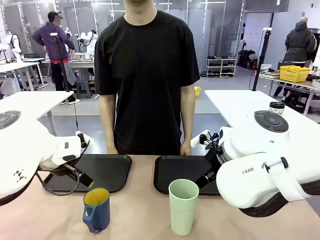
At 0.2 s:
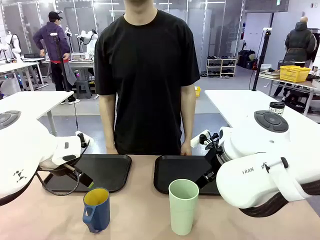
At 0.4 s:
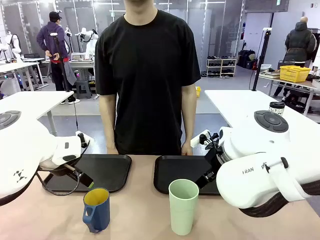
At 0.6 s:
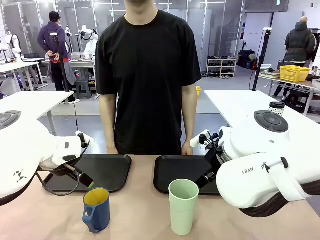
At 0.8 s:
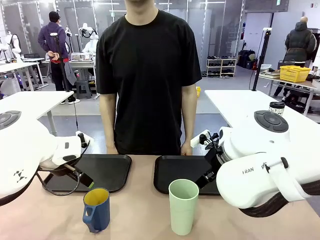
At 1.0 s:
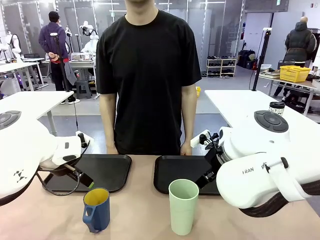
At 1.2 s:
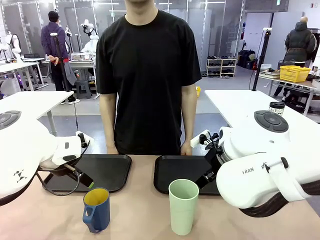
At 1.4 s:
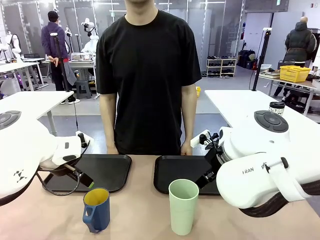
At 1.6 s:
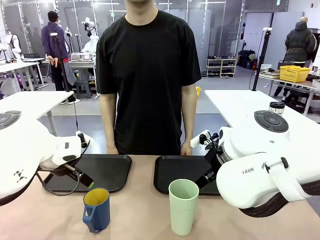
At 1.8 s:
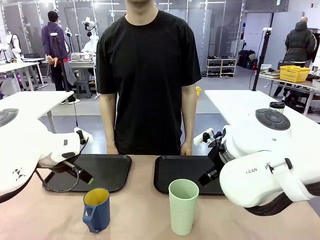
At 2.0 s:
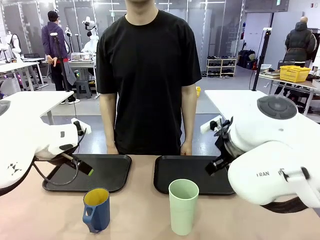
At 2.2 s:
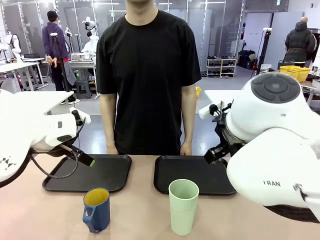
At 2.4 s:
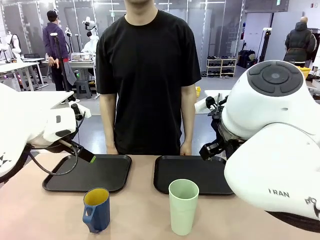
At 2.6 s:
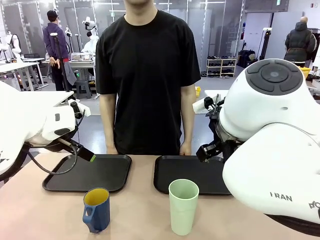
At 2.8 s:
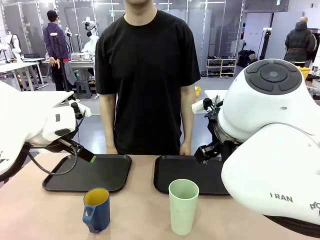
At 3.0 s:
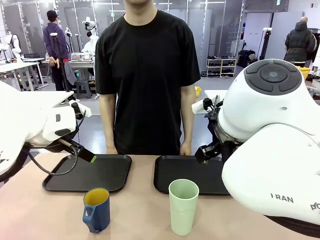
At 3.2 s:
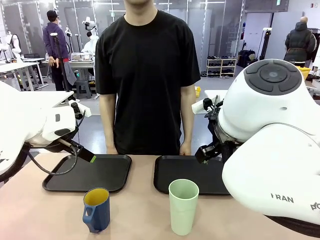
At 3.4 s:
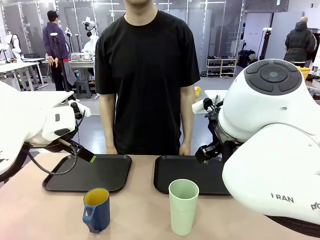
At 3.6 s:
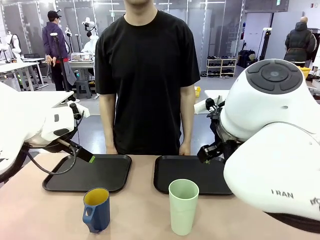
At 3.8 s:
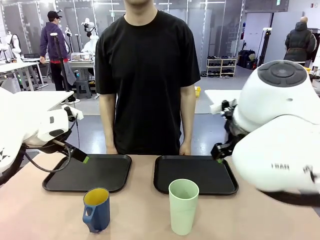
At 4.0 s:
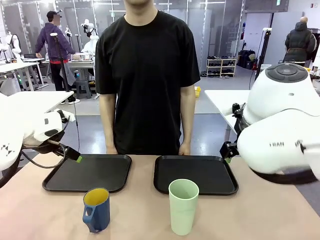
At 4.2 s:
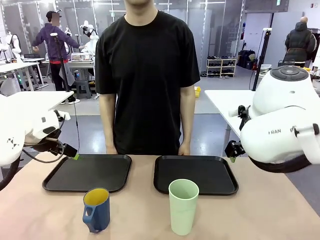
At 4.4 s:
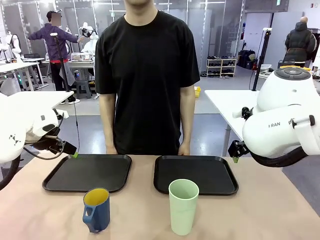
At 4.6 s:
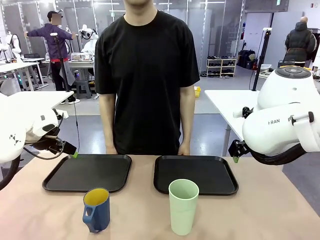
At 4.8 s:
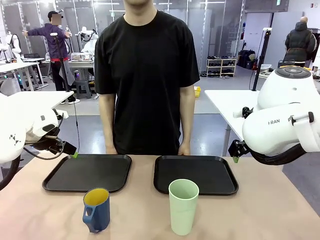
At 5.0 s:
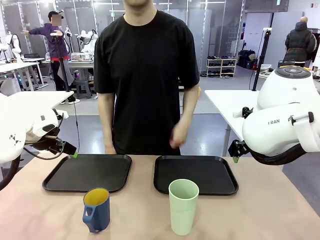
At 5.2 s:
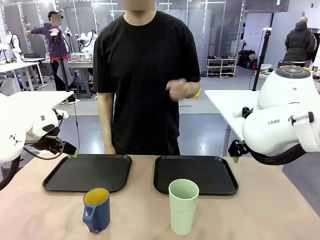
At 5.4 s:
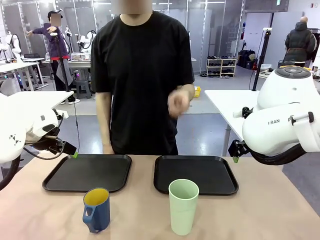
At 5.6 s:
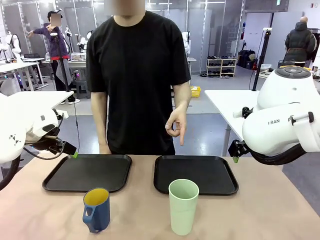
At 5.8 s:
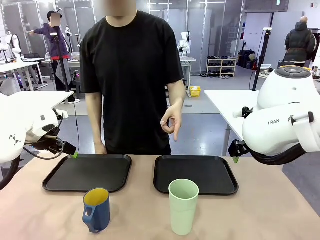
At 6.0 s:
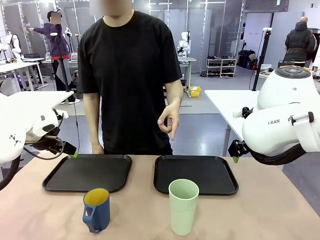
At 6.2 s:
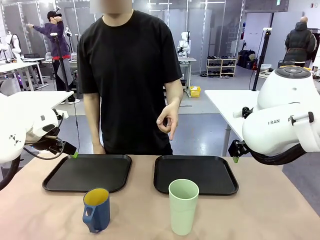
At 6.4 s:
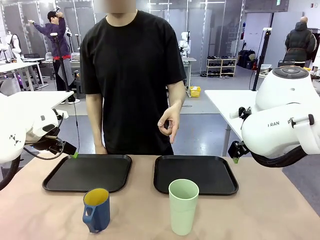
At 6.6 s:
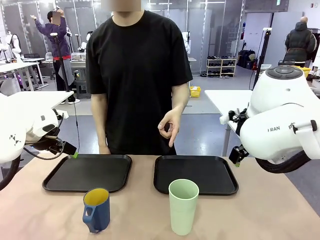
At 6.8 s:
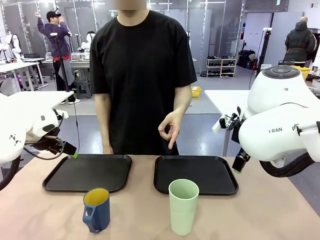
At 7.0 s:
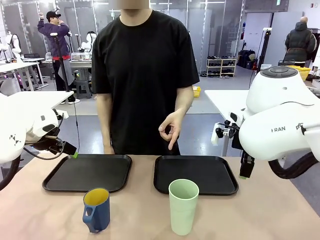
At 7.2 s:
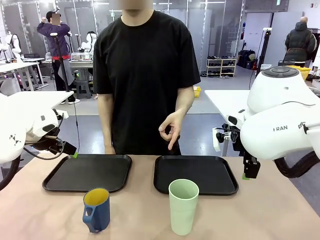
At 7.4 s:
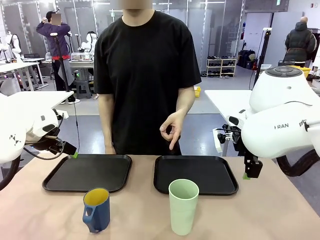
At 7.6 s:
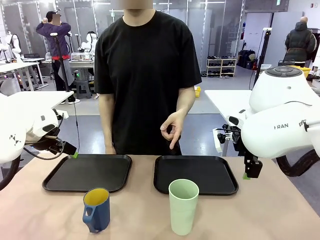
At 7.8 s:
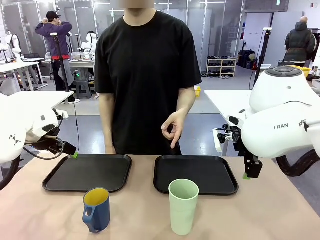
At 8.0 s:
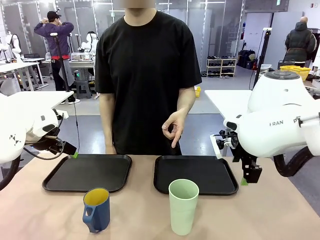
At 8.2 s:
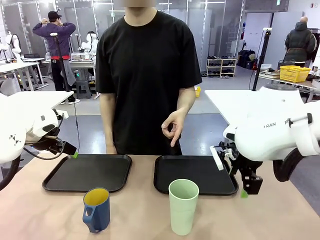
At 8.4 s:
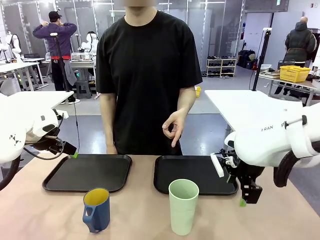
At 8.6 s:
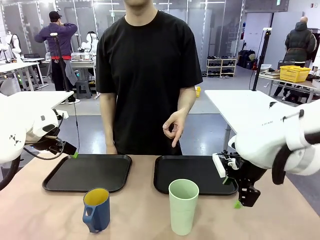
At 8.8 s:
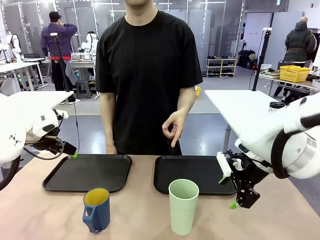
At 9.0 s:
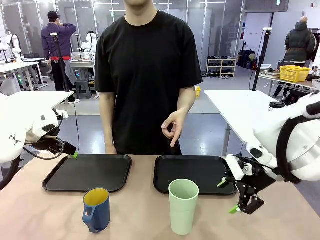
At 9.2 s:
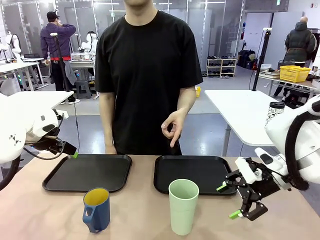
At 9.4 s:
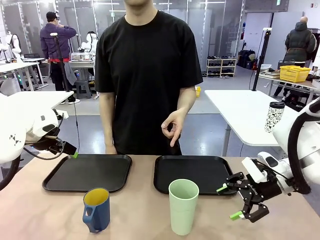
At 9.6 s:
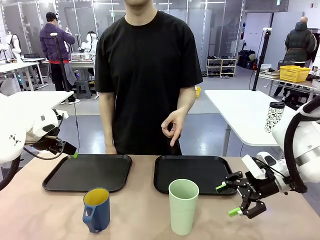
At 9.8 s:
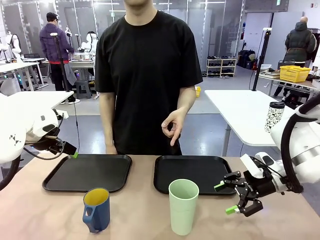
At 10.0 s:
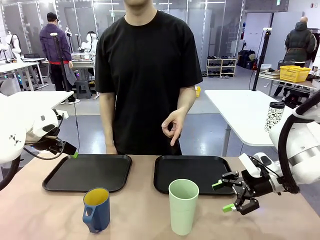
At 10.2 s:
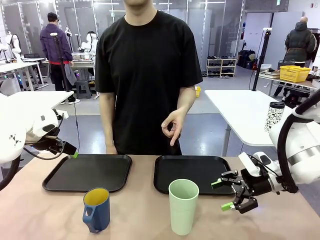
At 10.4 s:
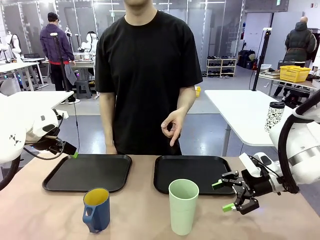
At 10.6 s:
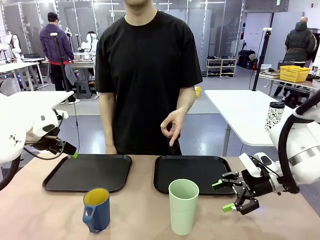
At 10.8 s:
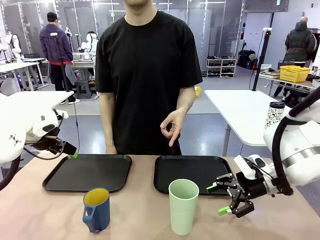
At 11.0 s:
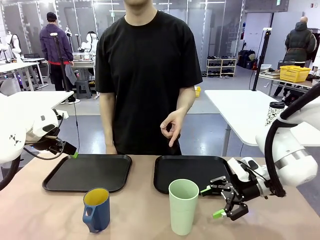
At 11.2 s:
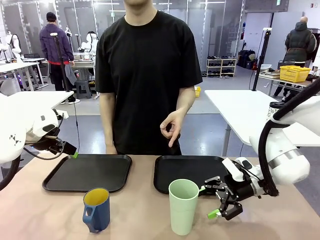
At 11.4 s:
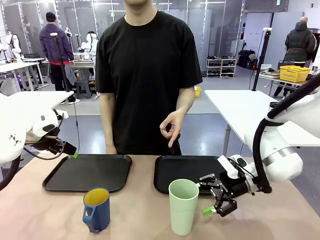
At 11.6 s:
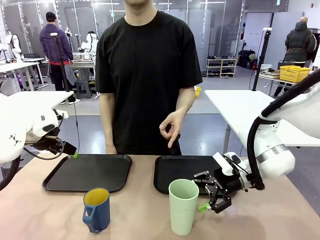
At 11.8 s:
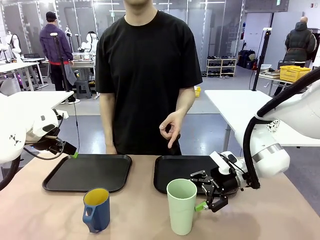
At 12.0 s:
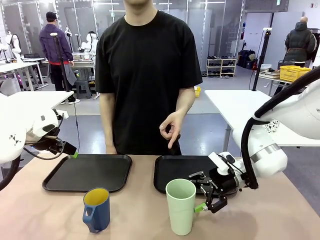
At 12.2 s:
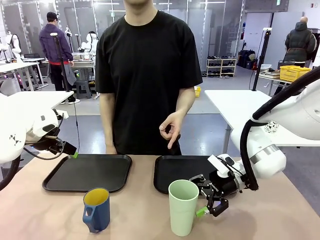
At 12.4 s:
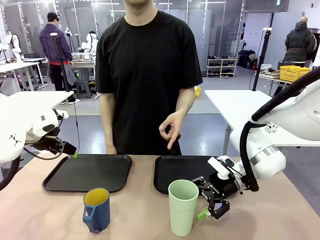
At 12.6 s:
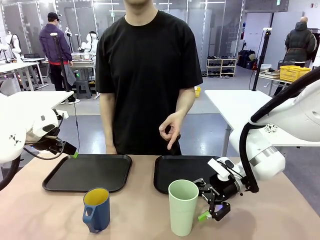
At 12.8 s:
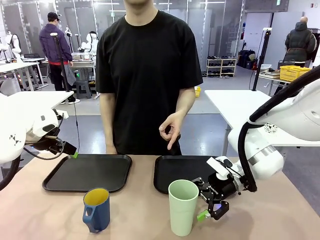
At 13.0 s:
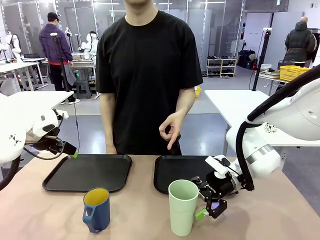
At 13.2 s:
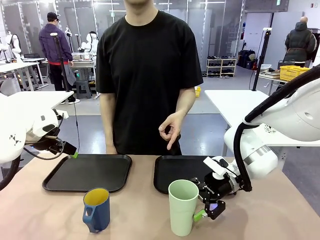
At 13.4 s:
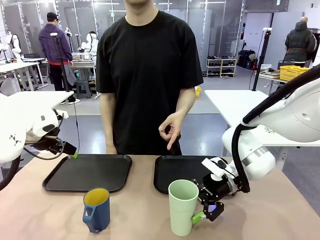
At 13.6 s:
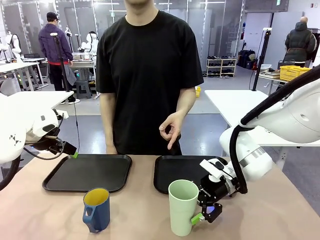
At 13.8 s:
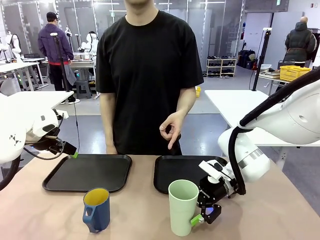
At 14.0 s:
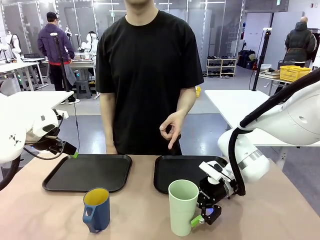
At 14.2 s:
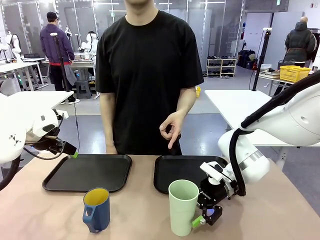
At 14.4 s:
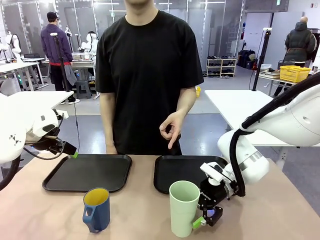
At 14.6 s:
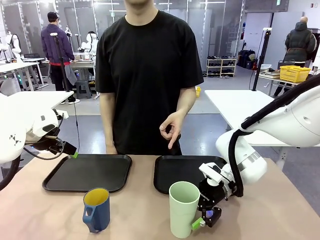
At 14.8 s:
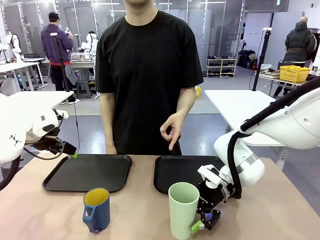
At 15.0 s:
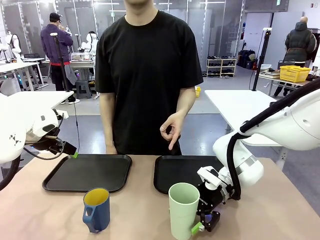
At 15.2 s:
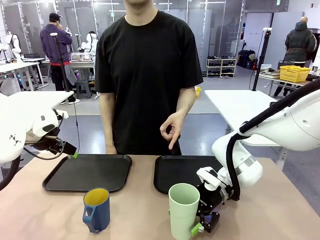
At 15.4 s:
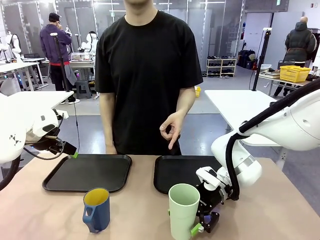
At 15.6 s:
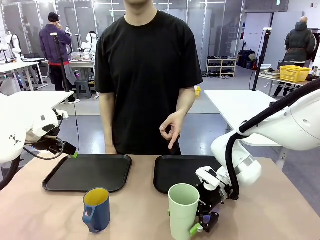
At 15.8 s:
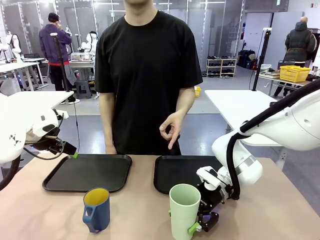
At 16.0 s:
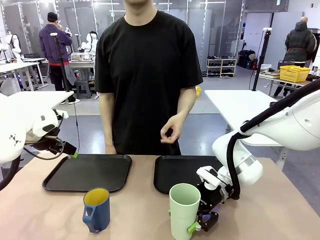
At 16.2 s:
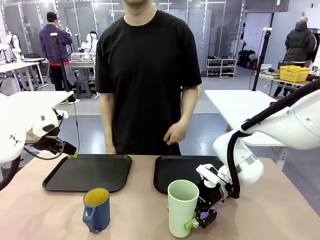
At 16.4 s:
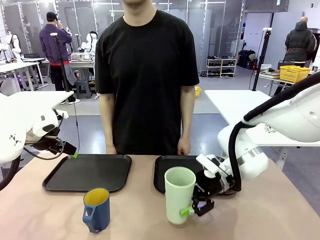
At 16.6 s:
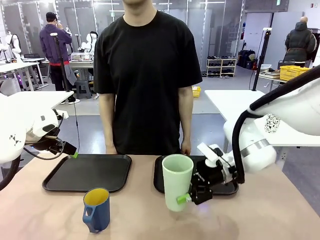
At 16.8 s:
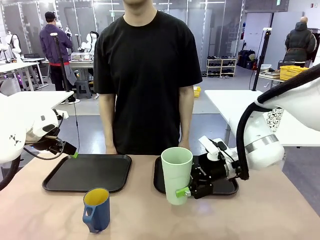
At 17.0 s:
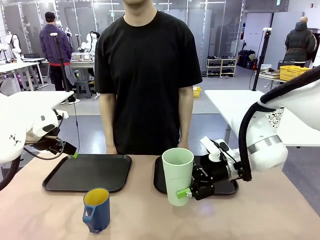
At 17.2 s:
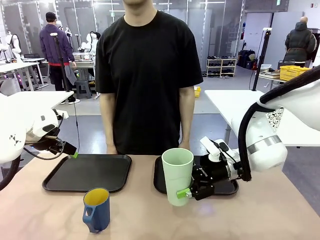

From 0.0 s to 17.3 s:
Task: Sort and store the cups by type.
Robot: Pick up the Reusable plastic cup.
Person: Points to the reusable cup. Point to one of the two trays.

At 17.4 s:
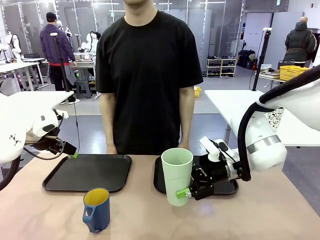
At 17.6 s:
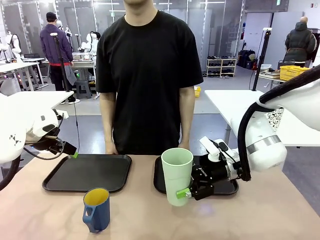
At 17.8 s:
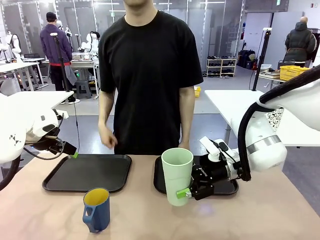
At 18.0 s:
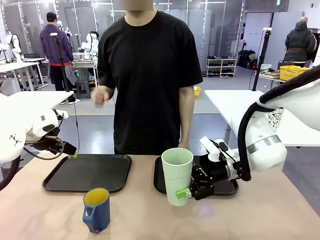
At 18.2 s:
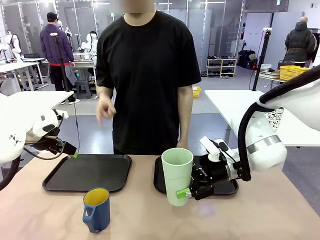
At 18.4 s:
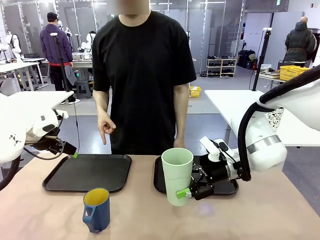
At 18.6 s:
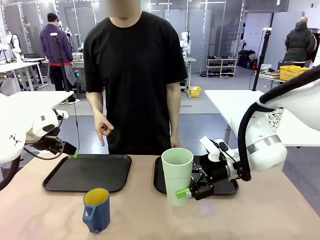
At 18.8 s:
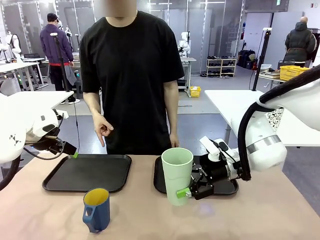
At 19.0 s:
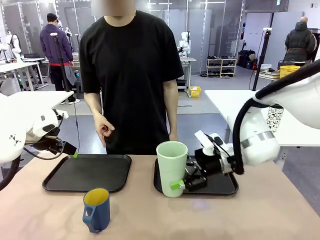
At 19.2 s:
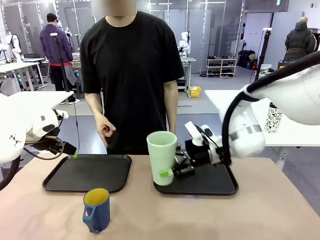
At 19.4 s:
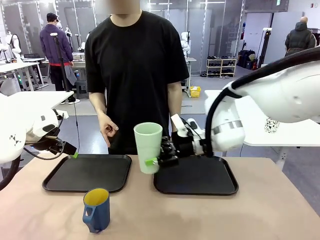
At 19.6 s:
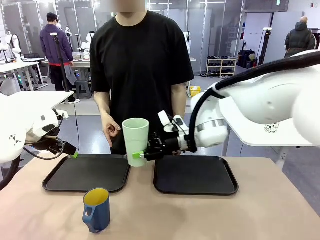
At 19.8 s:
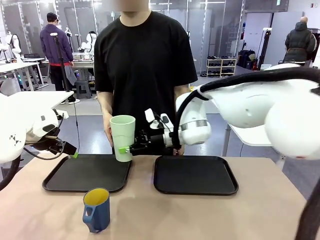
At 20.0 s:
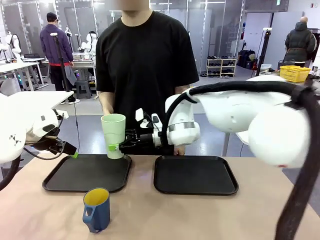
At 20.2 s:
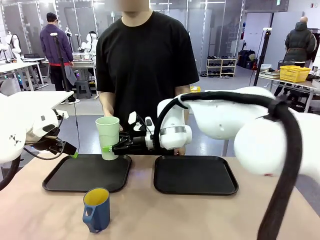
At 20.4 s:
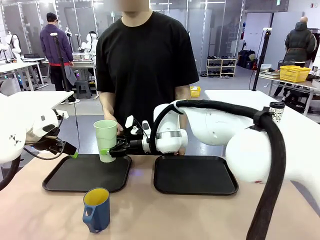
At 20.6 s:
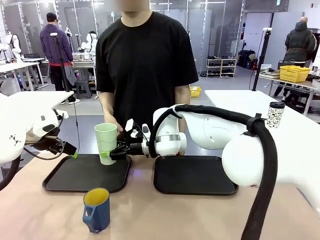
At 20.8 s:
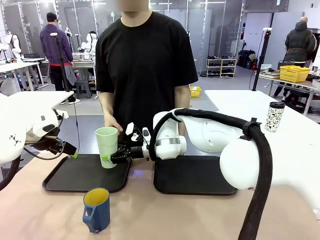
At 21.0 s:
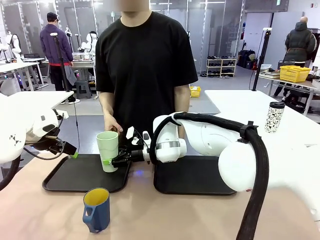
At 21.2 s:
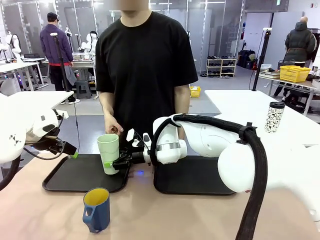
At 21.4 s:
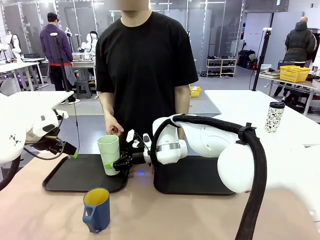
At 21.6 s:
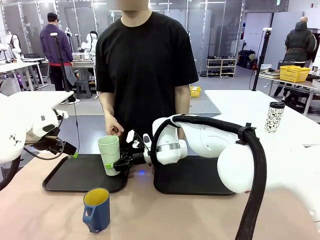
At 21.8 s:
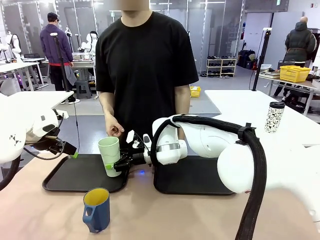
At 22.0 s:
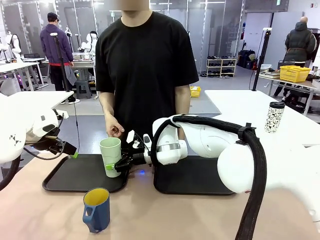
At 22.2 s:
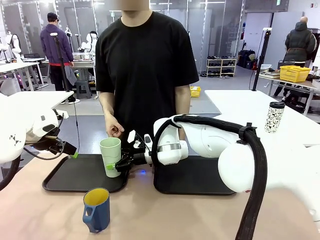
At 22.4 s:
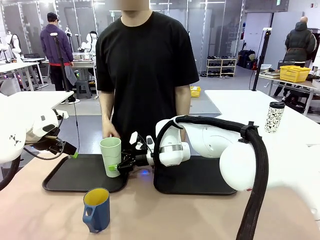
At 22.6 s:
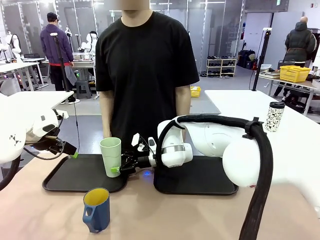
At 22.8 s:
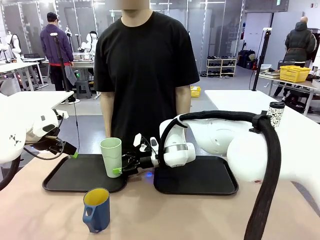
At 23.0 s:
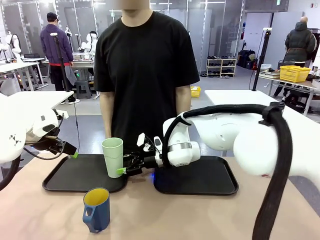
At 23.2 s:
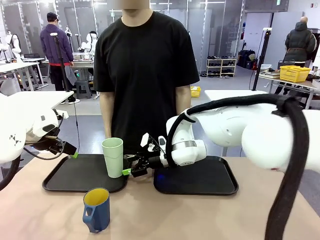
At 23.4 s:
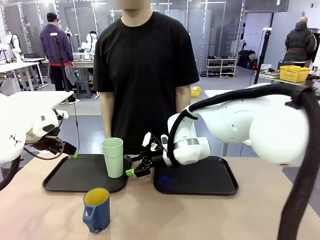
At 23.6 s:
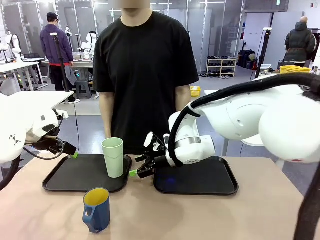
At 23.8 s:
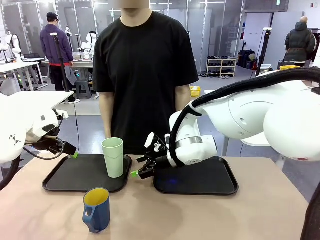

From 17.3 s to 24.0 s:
Robot: Place the picked Reusable plastic cup into the Flat Tray indicated by the person.
